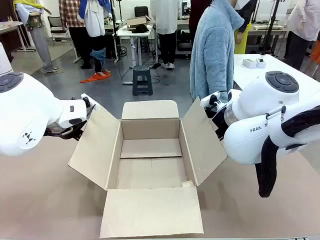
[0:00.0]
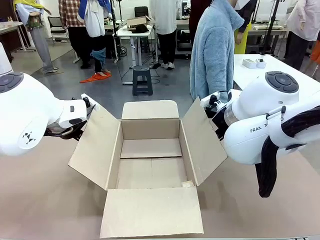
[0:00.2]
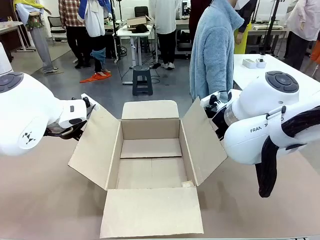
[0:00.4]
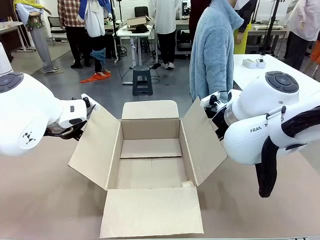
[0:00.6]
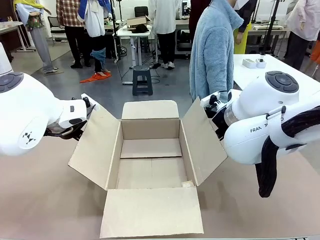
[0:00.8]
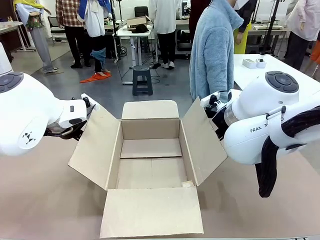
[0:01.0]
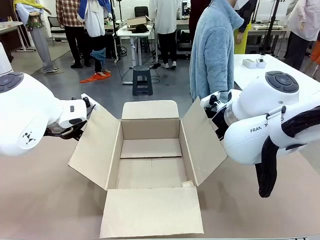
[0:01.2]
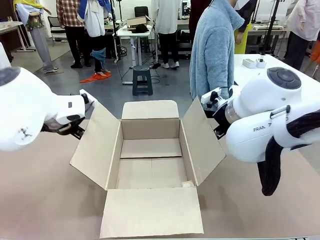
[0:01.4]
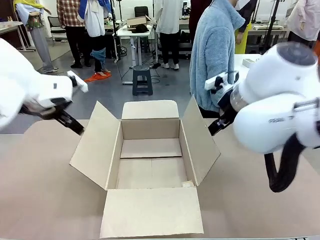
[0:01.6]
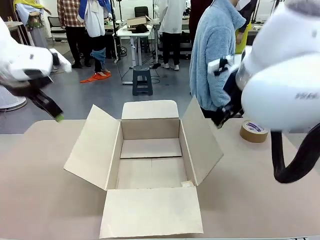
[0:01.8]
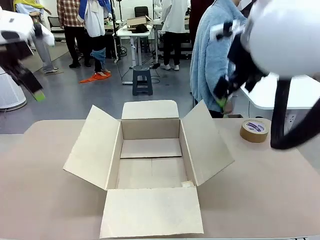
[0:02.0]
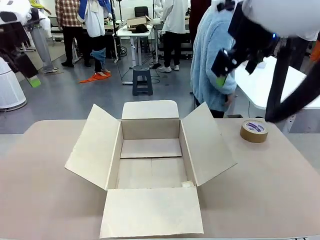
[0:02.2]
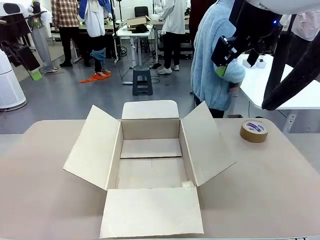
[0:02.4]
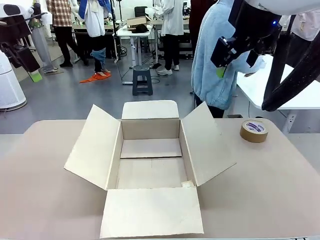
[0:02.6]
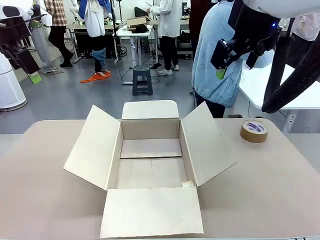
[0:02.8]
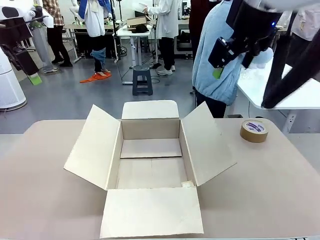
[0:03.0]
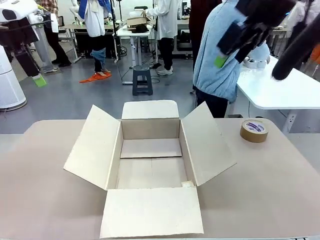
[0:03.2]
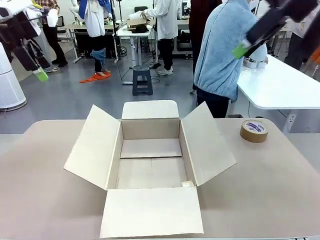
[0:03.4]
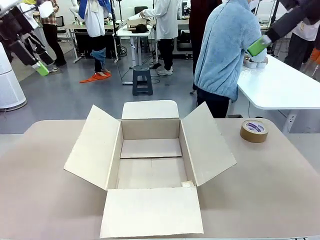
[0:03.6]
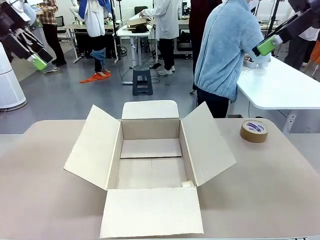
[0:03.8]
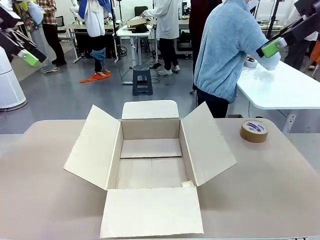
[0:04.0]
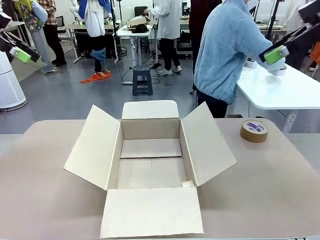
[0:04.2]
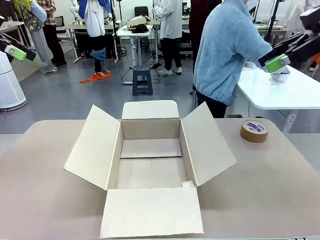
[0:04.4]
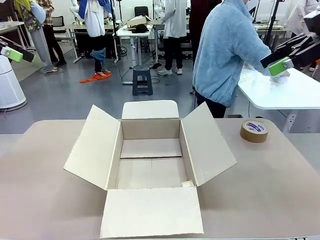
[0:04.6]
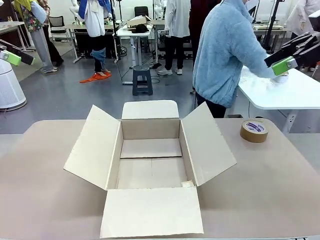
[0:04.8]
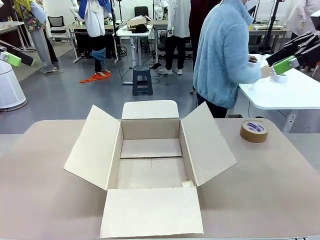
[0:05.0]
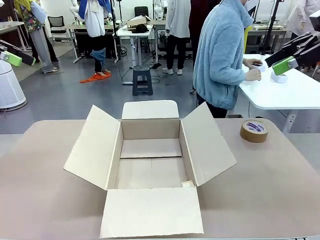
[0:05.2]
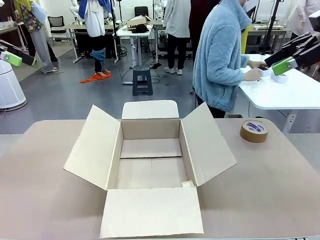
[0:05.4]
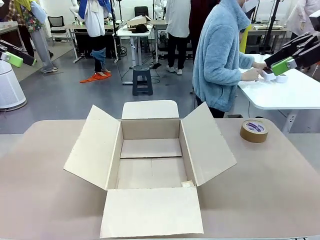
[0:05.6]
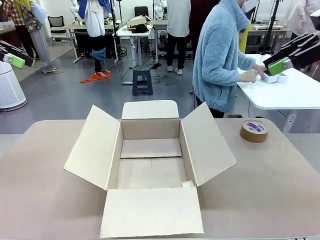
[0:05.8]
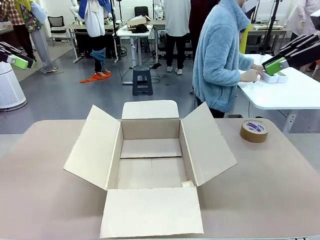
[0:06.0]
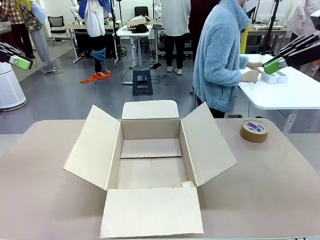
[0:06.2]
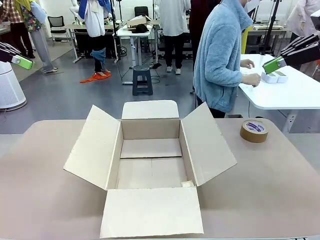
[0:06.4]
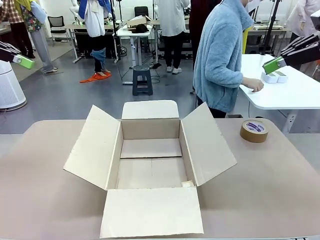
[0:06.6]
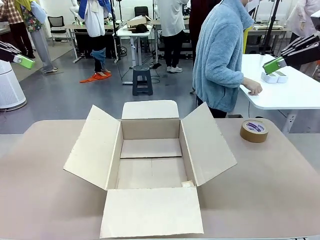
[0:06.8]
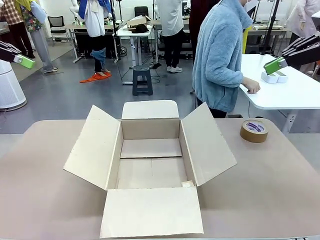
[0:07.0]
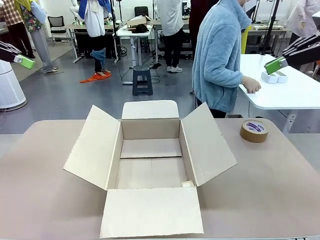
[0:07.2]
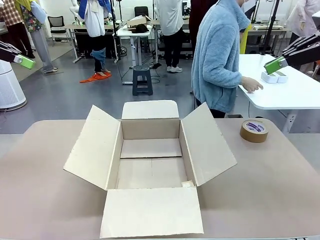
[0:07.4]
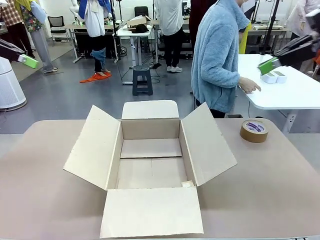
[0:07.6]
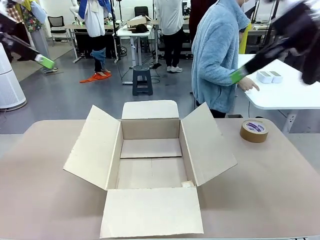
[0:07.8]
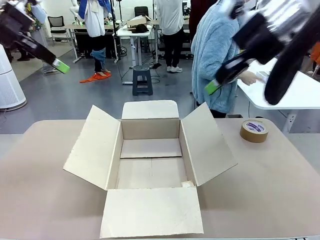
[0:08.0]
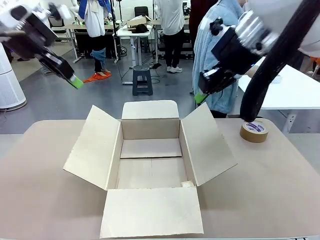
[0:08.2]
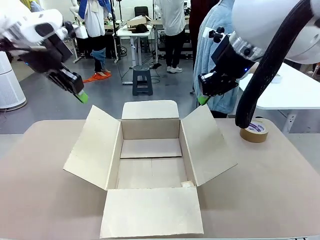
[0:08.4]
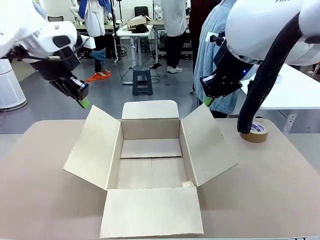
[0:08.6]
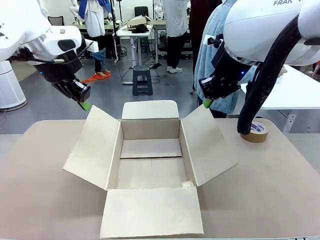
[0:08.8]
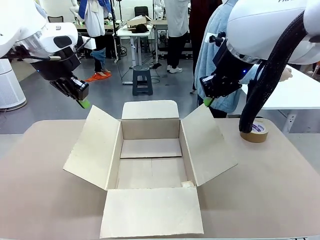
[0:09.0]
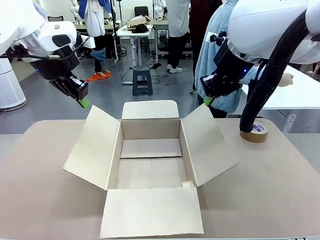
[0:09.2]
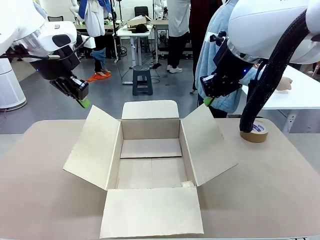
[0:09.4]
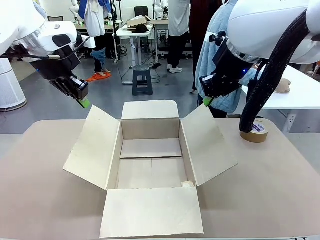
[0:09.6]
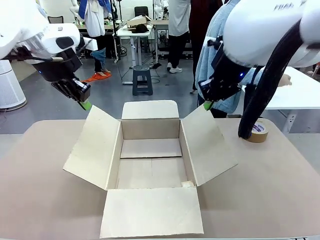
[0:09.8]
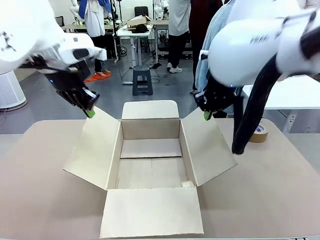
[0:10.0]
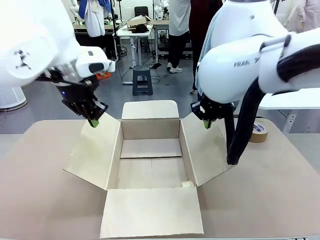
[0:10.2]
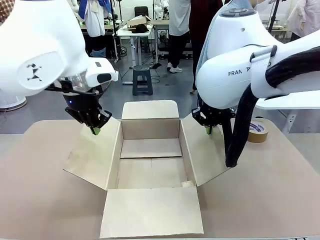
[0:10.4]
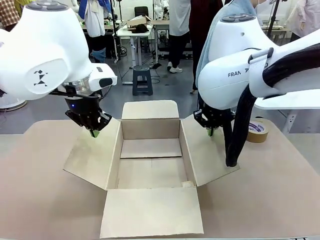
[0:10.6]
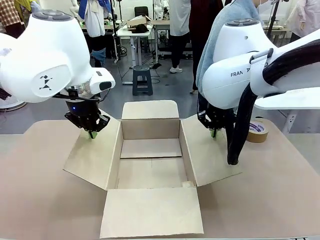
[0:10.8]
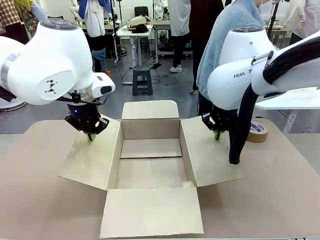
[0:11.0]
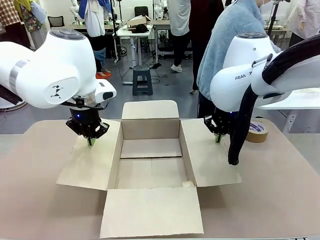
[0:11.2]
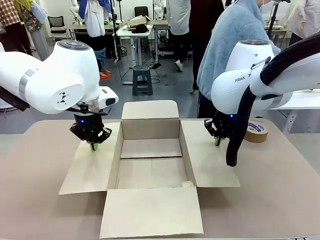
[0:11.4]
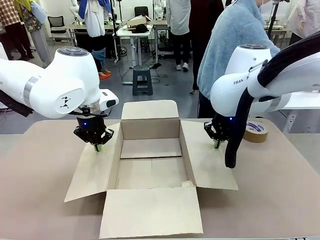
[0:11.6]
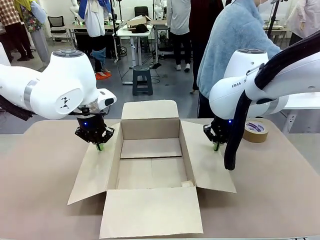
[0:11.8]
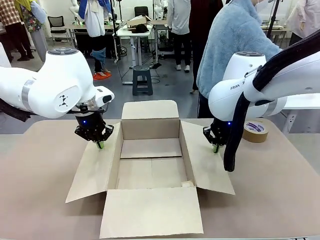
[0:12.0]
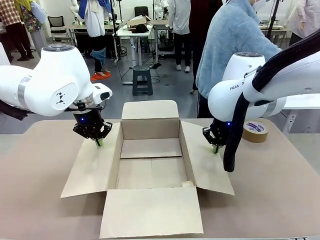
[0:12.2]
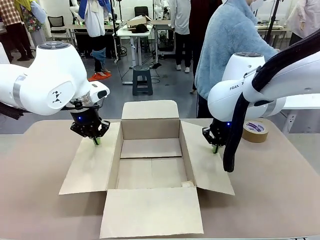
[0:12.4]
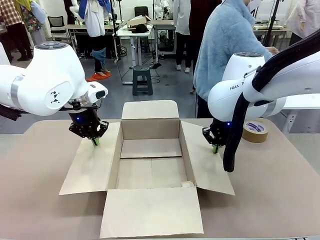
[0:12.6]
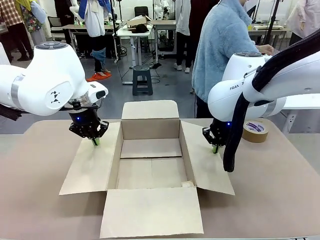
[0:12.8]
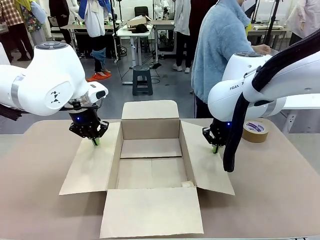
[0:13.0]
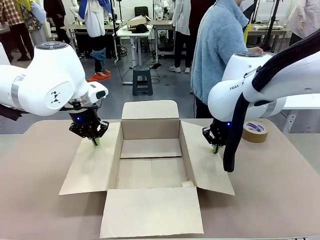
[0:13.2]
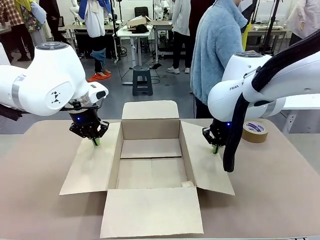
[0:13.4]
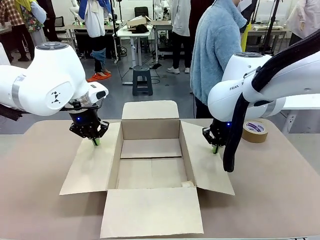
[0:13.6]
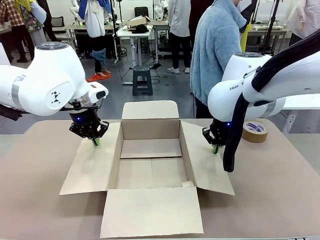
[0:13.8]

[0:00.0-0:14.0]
Task: Wrap the clocks to prevent damage.
Robot: Open the side flaps of the Package Box.
Person: Wrap the two Digital clocks with Bubble Wrap.
